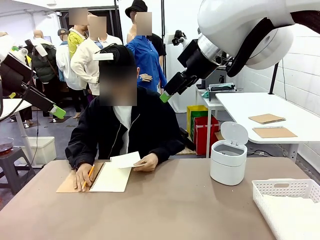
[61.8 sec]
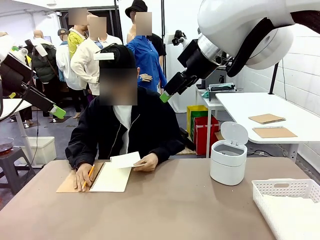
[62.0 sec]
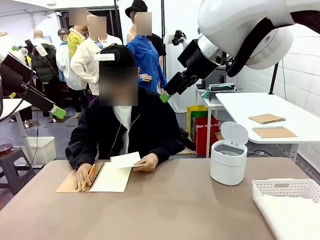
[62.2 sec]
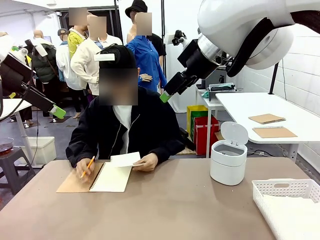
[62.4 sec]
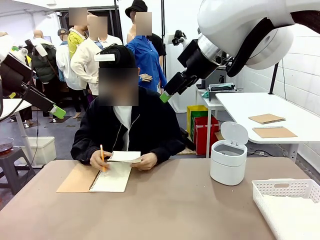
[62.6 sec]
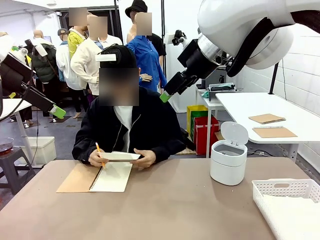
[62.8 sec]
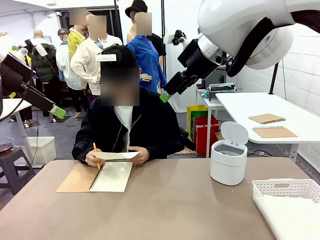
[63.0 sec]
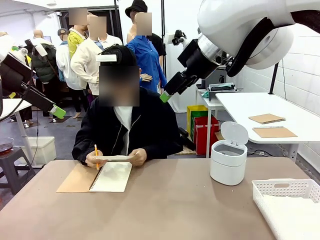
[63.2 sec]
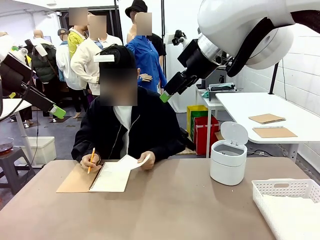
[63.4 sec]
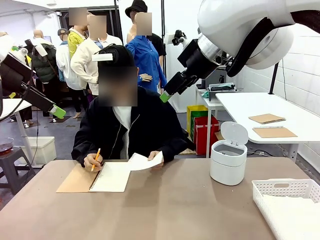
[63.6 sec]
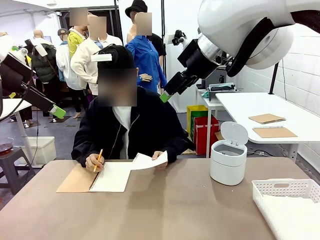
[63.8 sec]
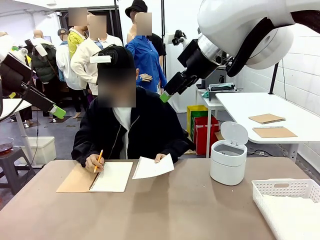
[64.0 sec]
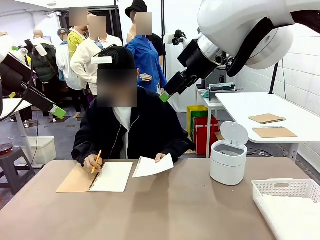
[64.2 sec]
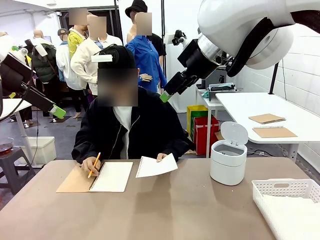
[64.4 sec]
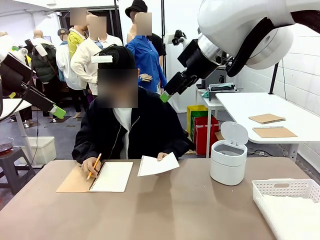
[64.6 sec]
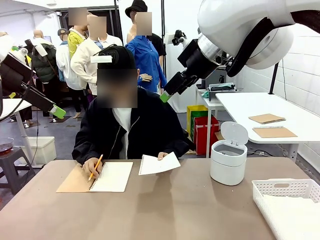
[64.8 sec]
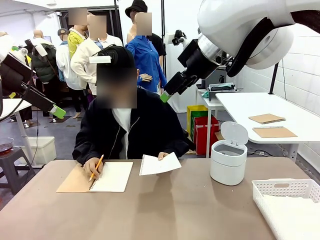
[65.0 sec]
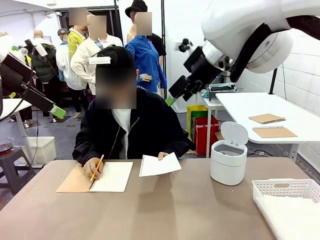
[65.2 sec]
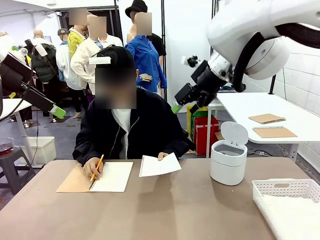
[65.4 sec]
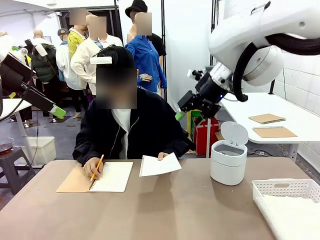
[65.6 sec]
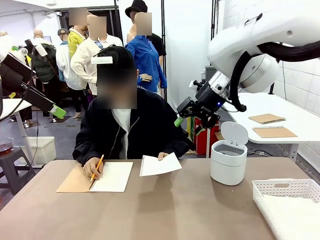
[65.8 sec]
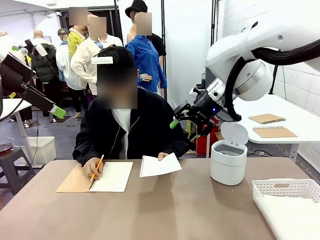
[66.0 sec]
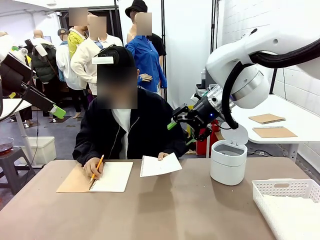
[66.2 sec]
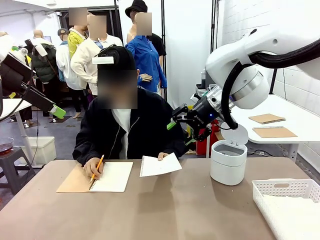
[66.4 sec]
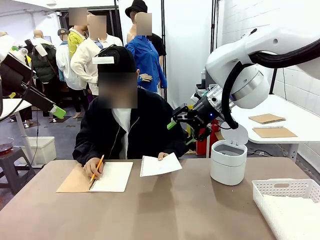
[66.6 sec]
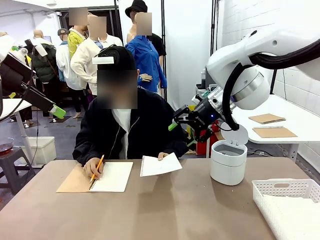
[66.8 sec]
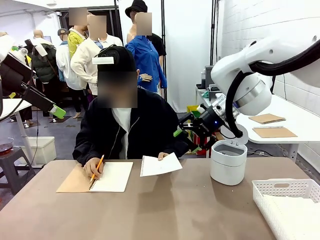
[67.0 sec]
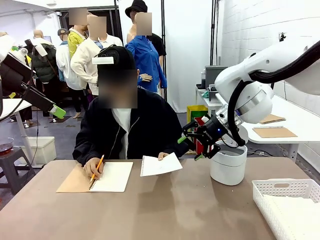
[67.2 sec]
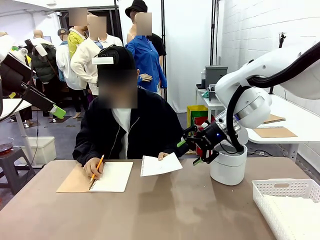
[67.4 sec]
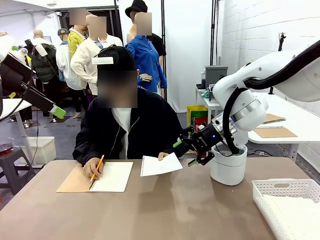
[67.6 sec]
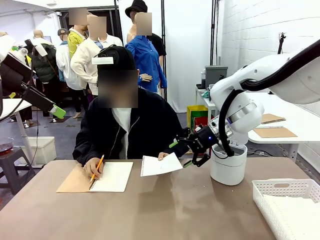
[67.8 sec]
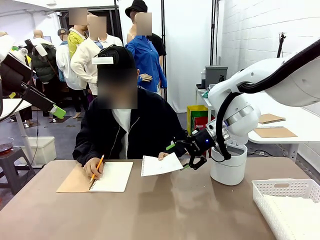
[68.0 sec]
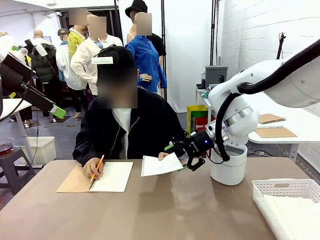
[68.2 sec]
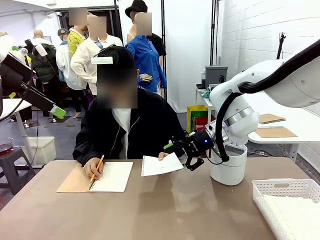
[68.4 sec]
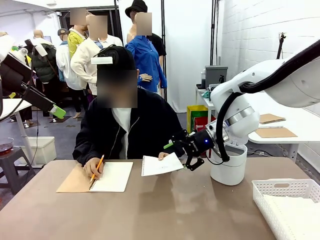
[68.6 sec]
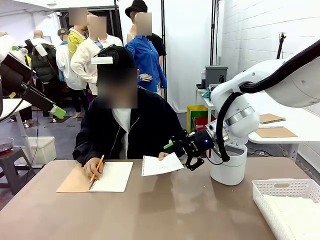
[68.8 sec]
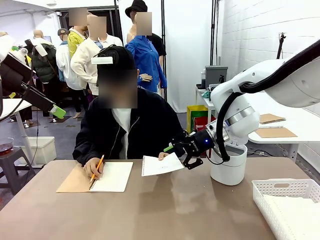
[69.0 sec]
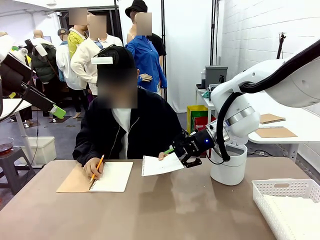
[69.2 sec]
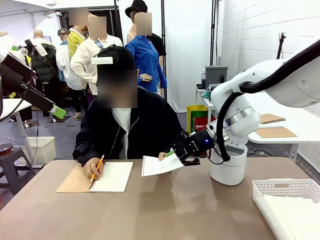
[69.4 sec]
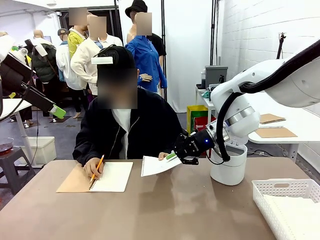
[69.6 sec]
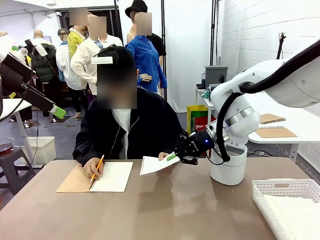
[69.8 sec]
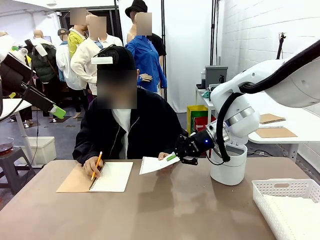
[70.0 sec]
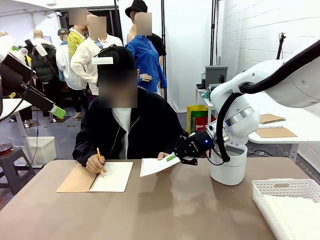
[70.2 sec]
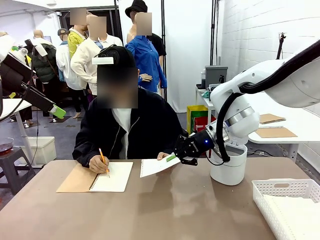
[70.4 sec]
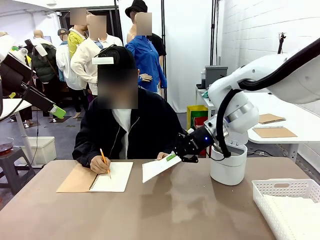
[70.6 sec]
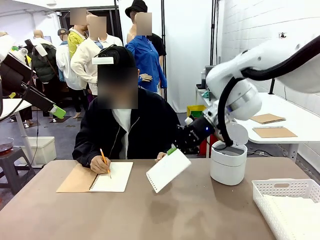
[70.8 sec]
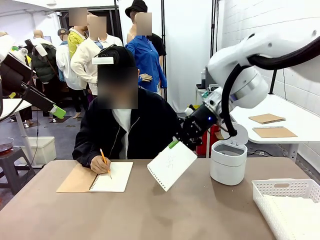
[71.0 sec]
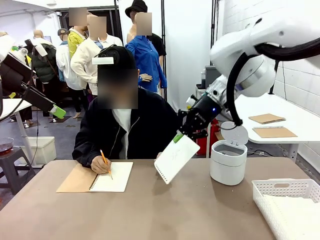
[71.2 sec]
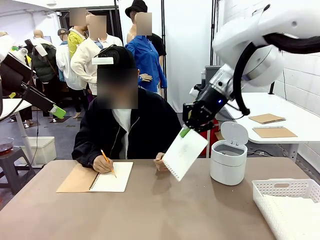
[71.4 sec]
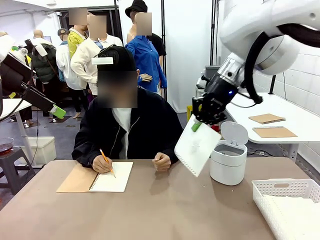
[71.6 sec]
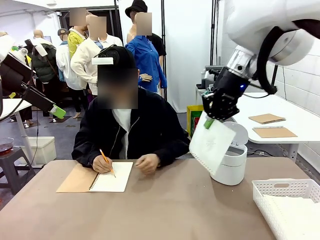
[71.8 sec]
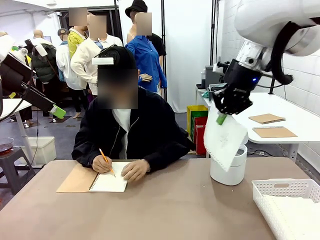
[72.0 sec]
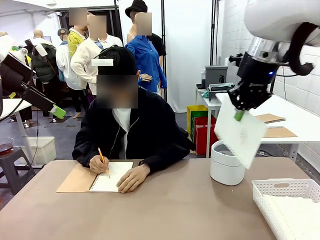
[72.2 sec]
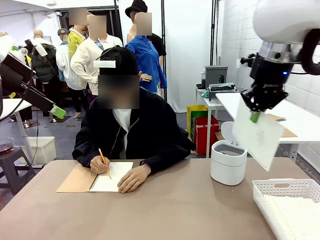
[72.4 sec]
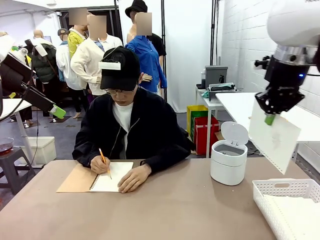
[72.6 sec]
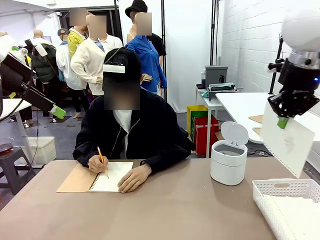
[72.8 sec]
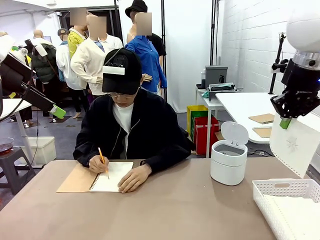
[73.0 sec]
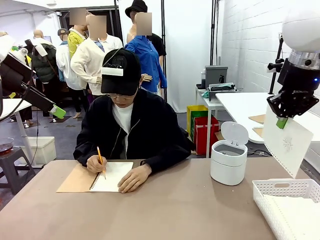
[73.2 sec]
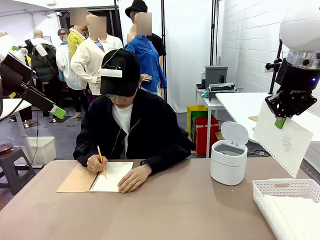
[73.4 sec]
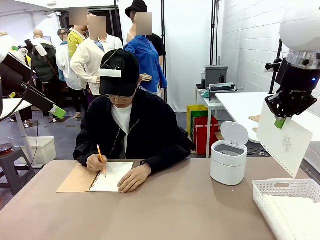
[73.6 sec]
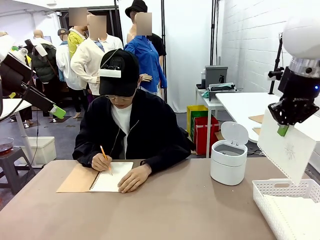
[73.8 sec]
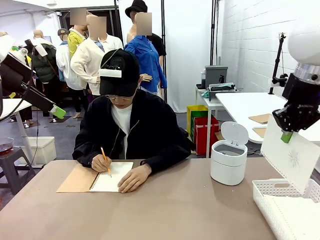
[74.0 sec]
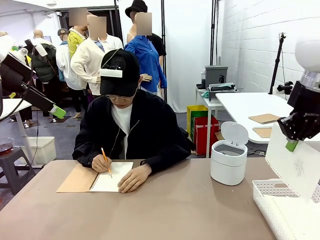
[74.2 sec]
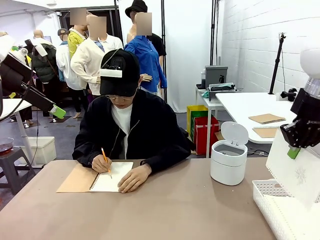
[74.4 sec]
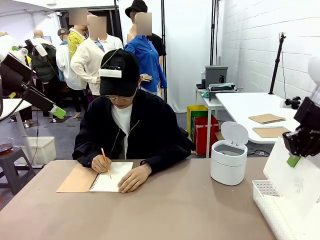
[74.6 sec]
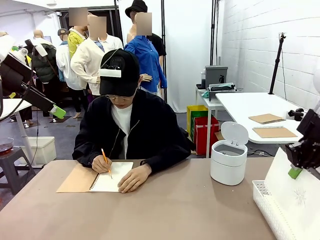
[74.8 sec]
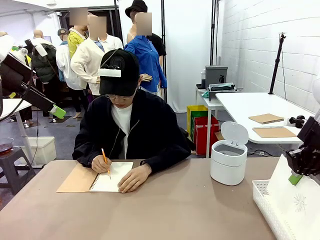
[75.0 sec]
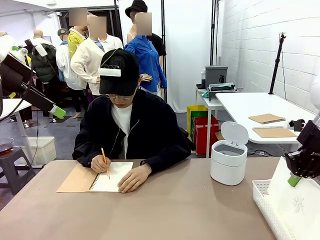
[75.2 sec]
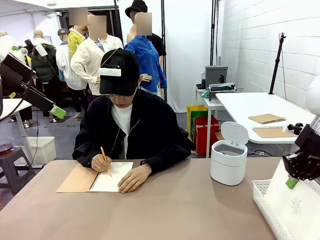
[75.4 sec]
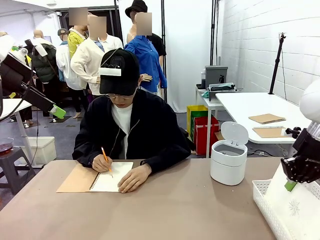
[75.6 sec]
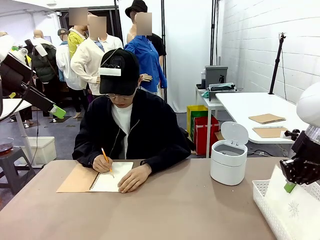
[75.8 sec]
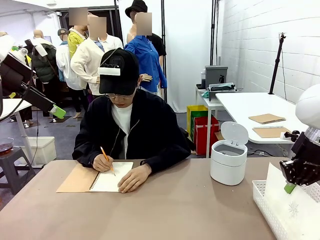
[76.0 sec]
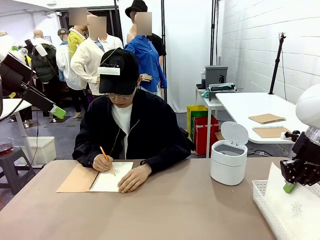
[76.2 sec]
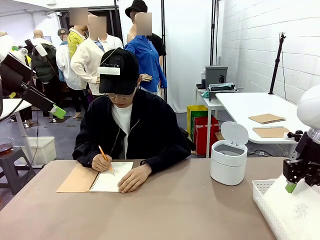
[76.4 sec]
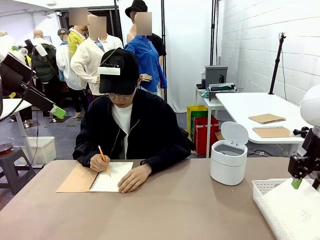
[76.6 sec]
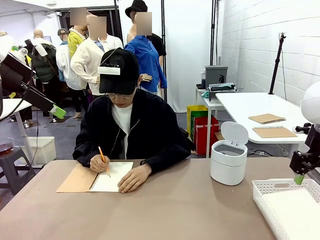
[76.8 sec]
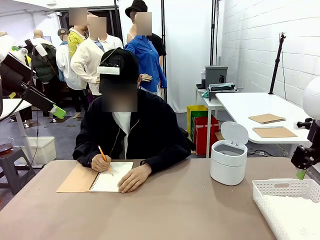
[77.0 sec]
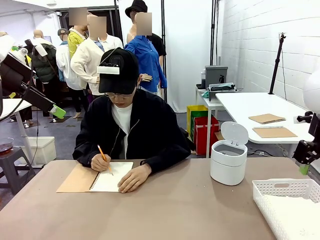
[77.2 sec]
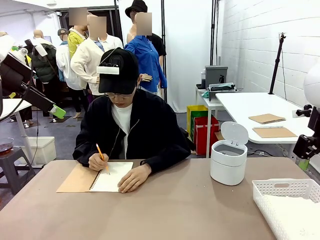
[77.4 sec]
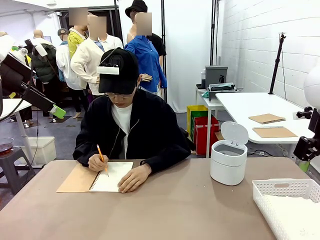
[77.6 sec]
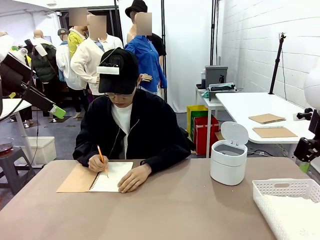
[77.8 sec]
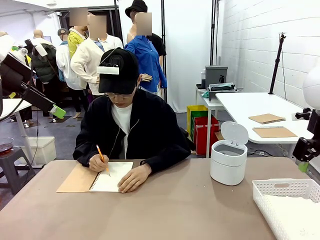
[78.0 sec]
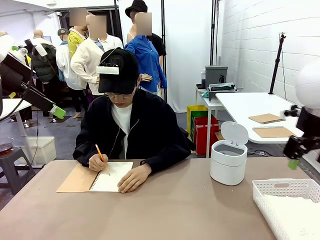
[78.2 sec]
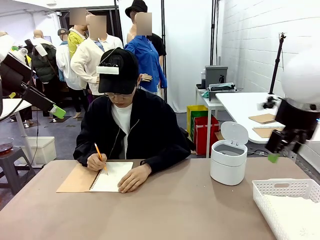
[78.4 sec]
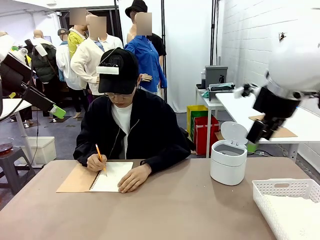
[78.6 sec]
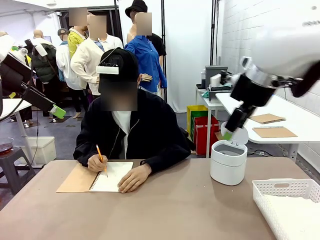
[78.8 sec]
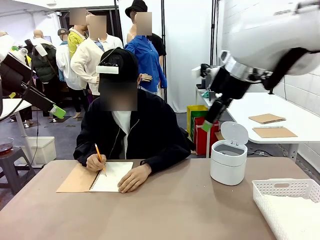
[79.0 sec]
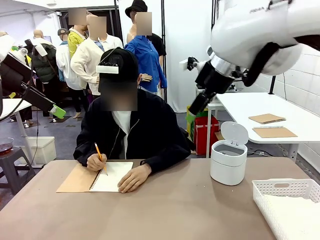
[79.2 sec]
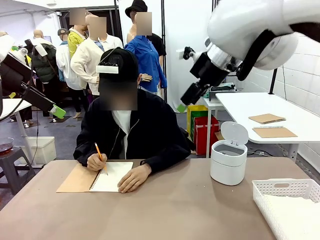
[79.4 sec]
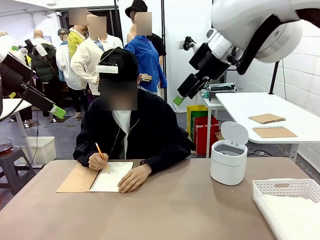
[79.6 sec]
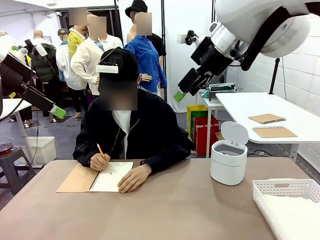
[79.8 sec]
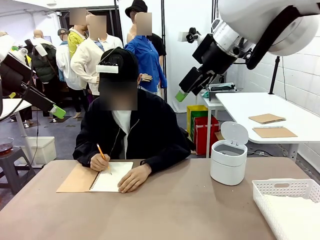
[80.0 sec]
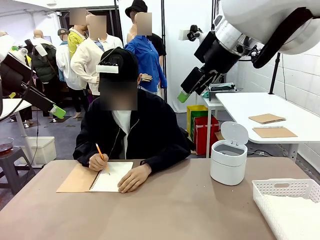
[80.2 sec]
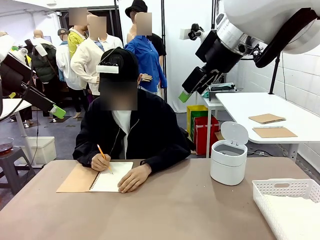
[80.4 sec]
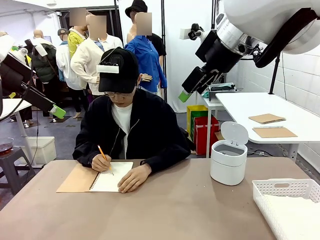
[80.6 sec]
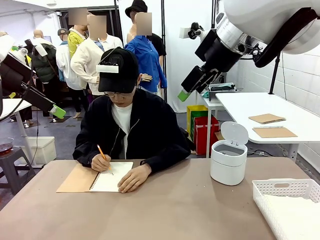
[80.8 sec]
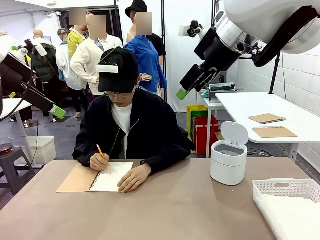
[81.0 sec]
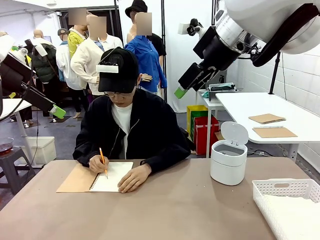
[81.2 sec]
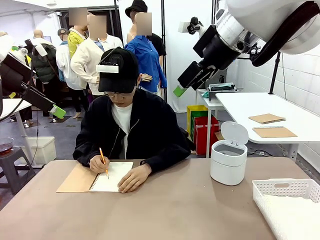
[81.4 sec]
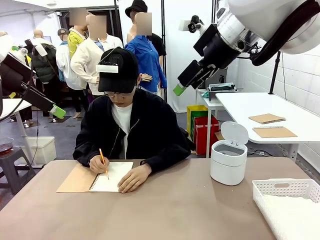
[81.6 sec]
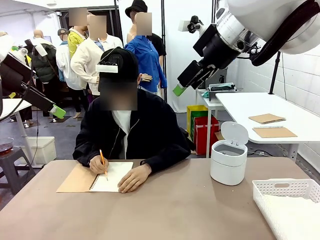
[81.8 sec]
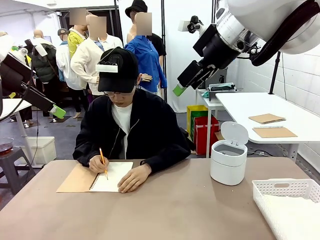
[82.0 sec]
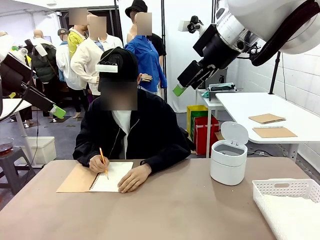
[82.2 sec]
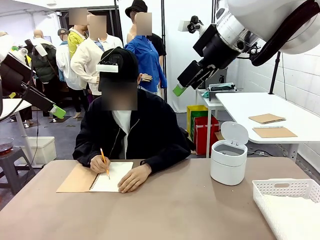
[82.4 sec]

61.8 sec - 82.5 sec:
Task: Sort the paper based on its condition.
Robot: If a person hands you a paper, place it in the Organizing basket , and if it's crumpled, put it in the Trash can.
Person: Hand the torn page to the robot or crumple it and throw it to the center of the table.
